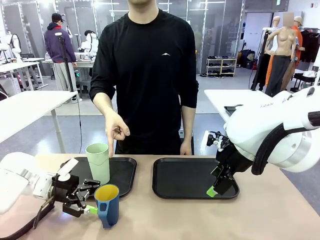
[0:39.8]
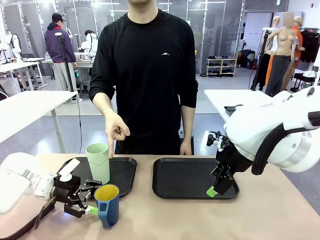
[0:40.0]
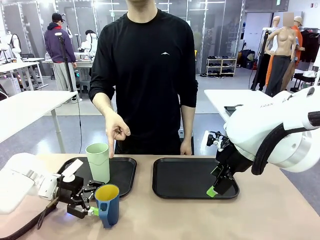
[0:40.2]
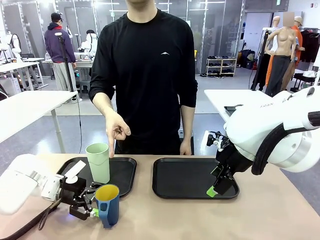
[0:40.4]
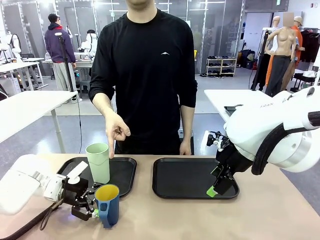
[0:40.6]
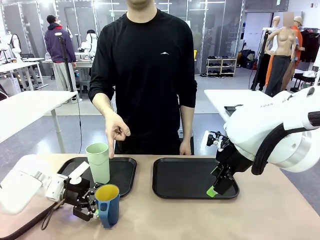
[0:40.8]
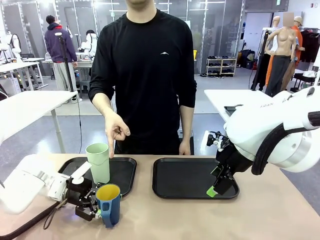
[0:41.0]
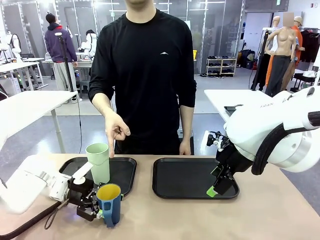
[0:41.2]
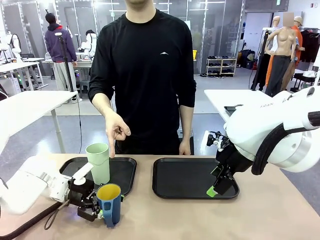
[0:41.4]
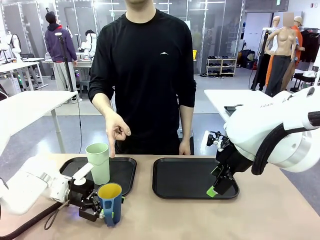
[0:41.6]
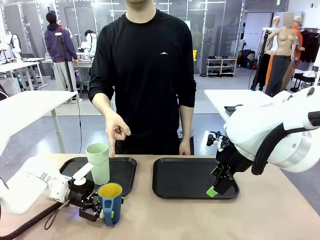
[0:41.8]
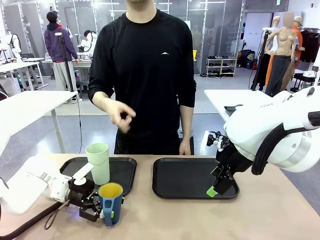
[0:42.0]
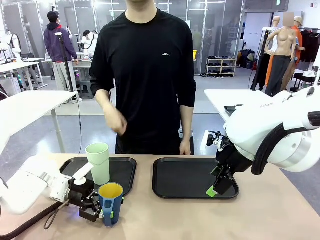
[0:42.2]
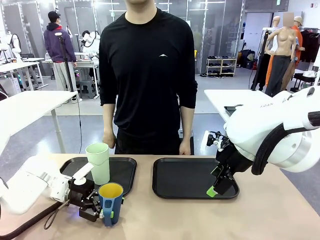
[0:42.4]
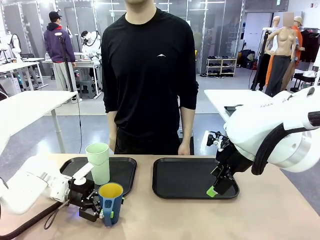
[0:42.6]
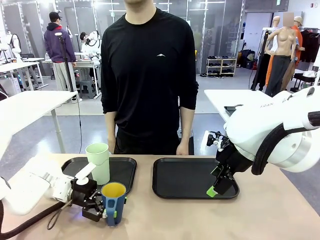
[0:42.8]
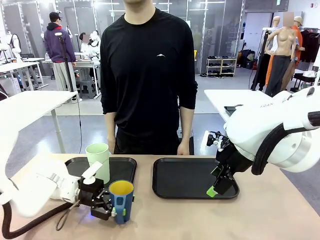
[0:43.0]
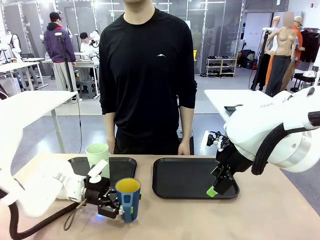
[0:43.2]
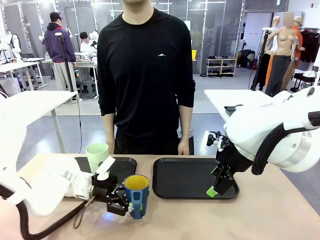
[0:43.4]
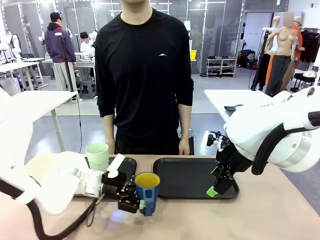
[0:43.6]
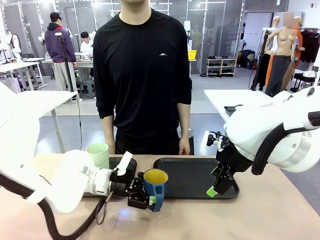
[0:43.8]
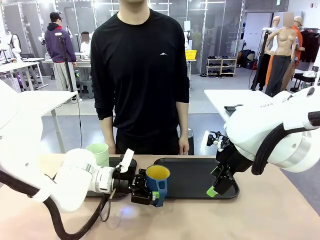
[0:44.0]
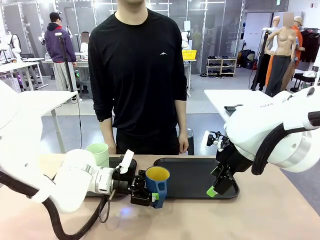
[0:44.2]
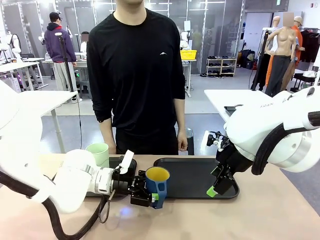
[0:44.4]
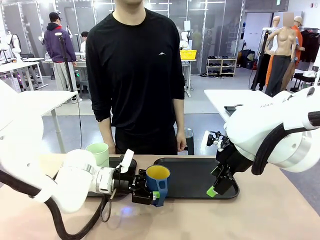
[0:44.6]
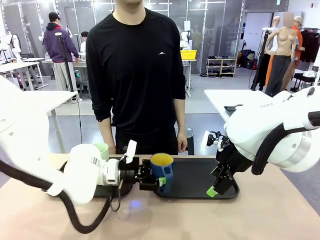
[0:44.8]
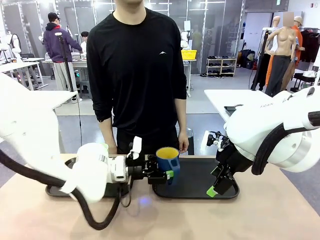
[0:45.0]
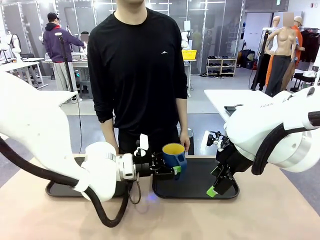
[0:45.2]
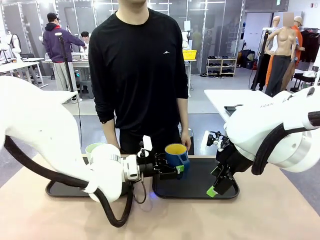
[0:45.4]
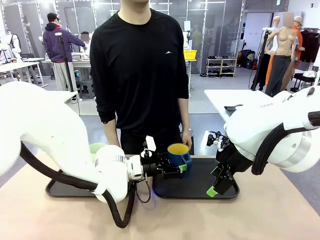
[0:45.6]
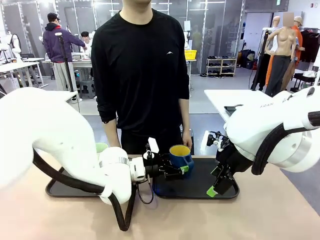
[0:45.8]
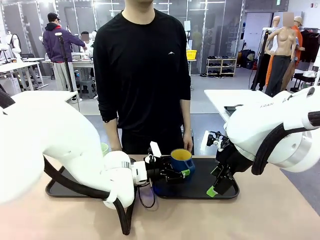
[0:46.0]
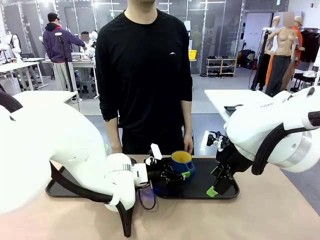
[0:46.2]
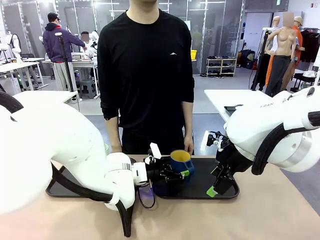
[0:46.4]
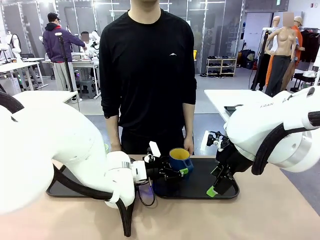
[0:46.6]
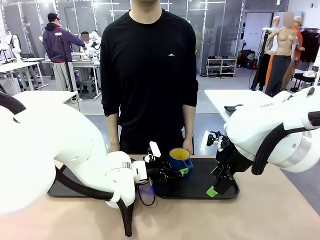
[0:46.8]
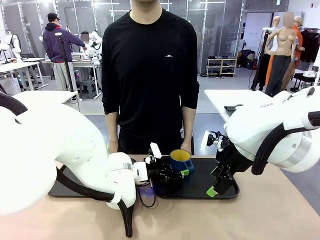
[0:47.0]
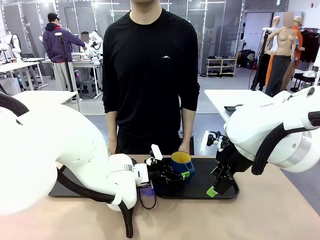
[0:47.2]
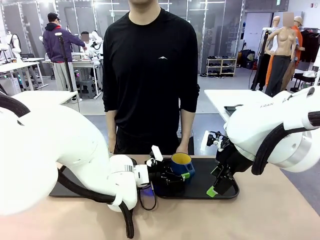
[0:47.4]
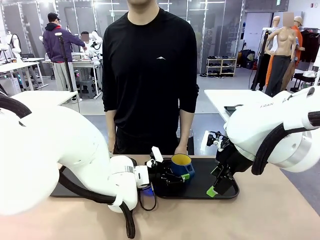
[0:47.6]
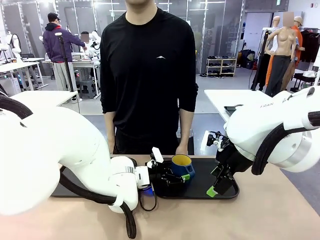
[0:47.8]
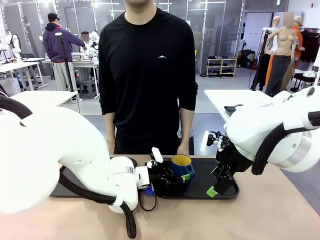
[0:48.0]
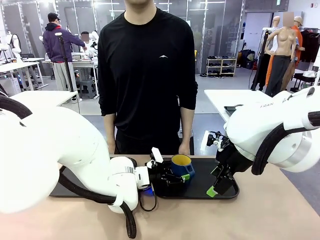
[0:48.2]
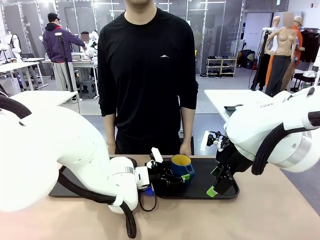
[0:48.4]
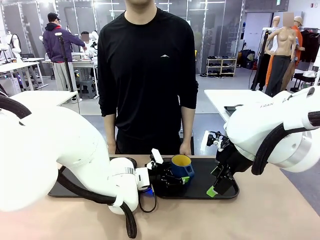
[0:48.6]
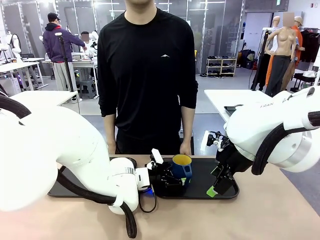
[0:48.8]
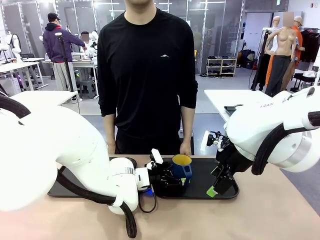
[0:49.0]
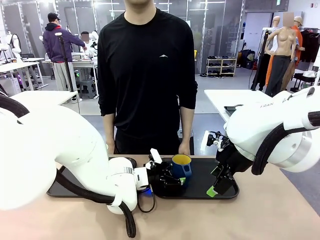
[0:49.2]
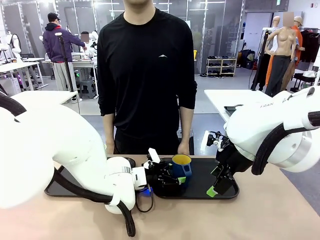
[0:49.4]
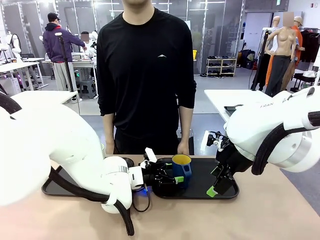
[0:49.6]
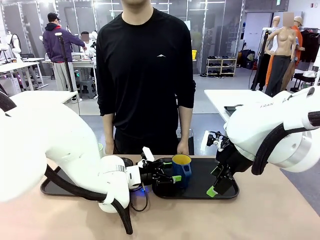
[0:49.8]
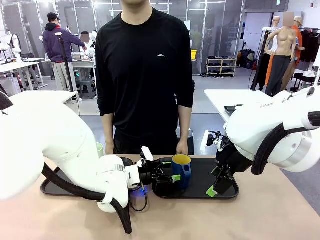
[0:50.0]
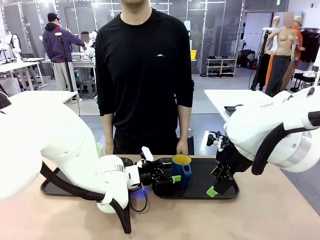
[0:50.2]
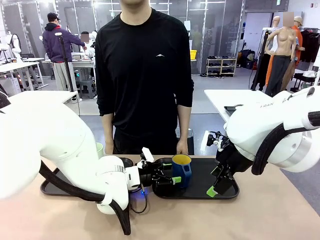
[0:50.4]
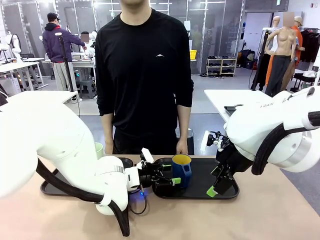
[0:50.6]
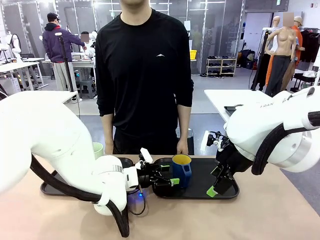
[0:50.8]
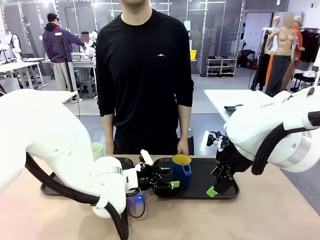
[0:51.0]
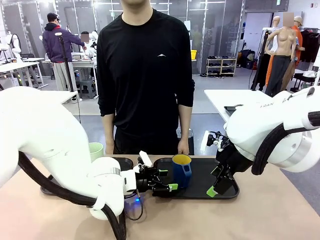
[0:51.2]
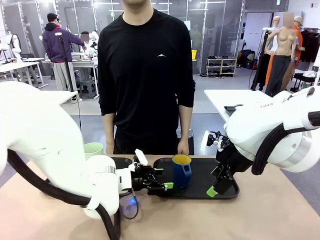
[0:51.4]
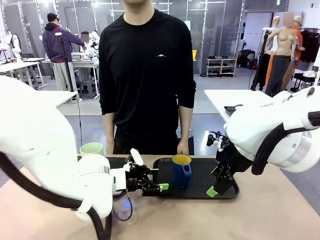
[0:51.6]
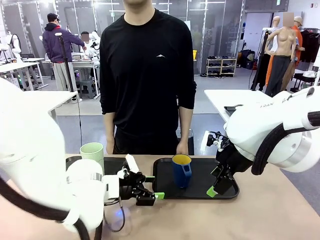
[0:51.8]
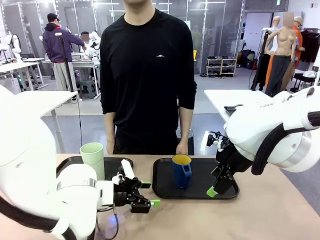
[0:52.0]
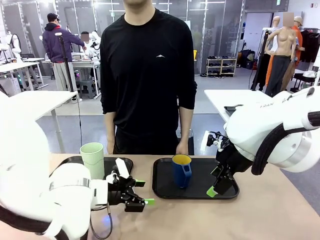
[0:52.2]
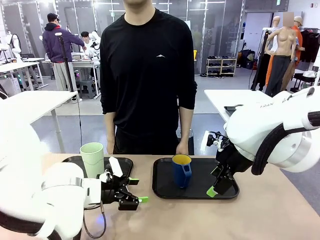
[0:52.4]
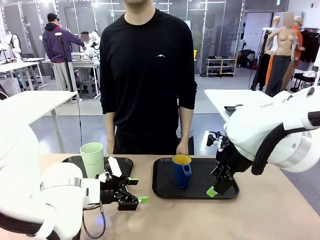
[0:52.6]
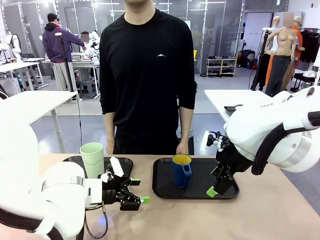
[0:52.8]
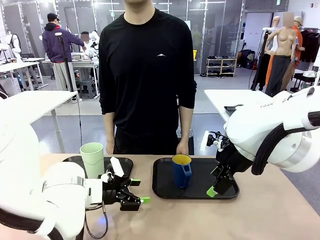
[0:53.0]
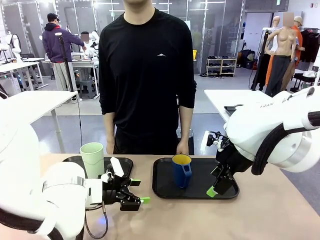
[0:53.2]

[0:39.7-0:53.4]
Task: Sort and store the cups by type.
Robot: Pick up the Handle plastic cup and place it into the empty Flat Tray.
